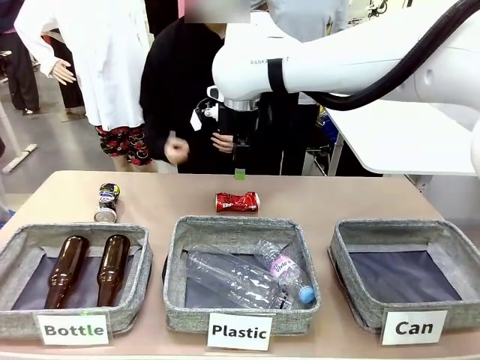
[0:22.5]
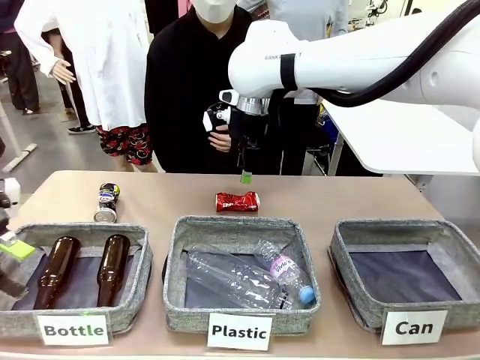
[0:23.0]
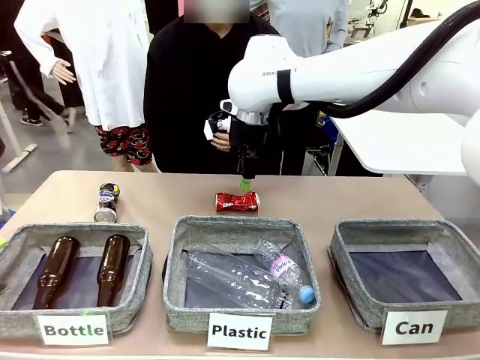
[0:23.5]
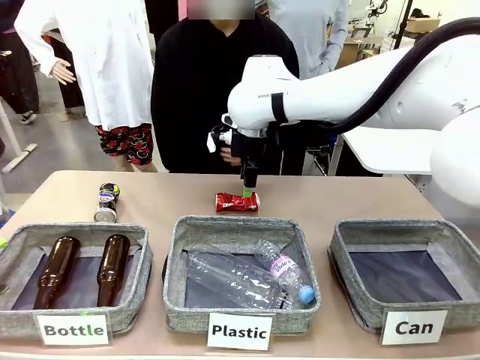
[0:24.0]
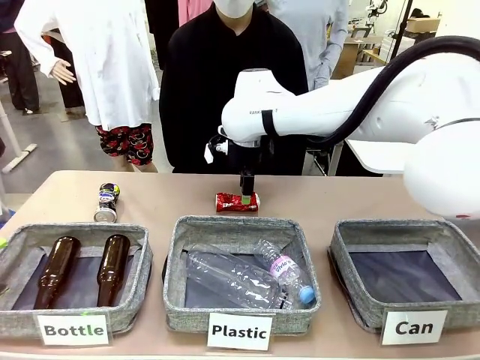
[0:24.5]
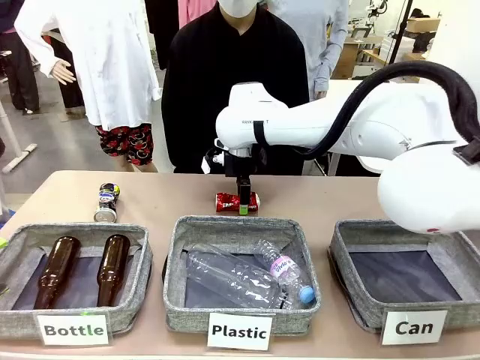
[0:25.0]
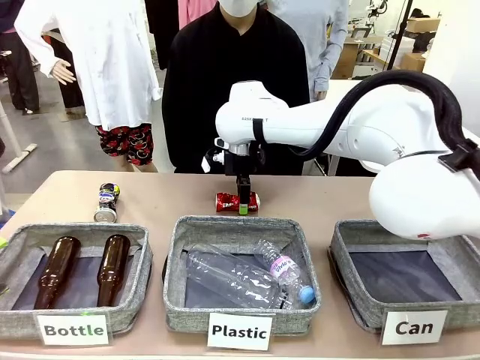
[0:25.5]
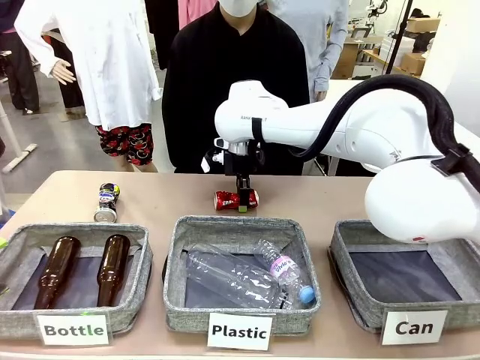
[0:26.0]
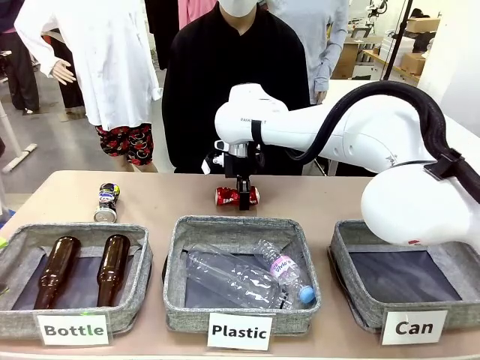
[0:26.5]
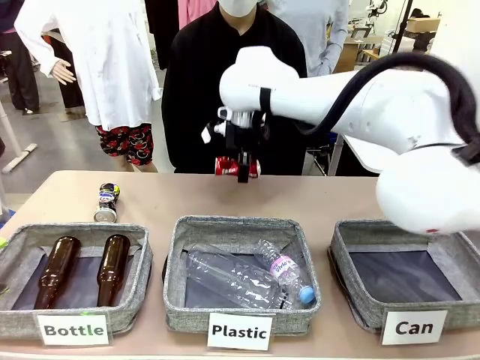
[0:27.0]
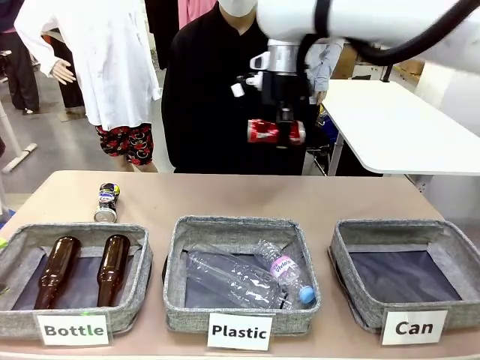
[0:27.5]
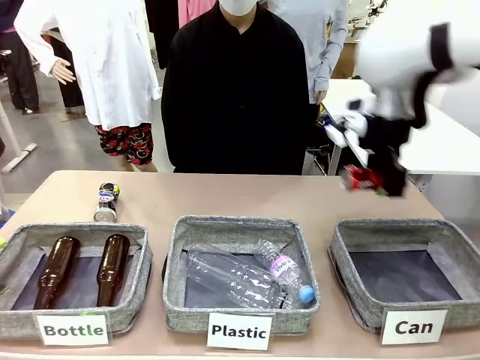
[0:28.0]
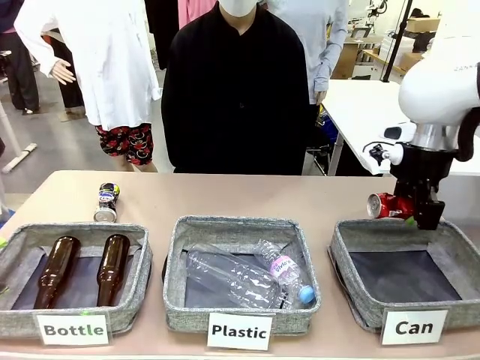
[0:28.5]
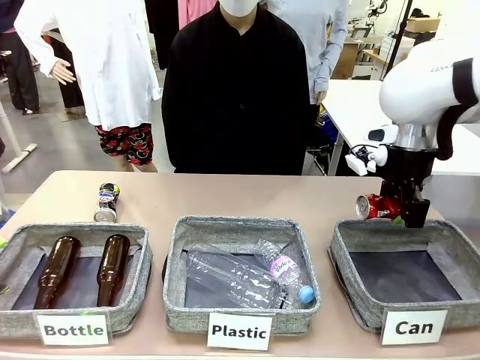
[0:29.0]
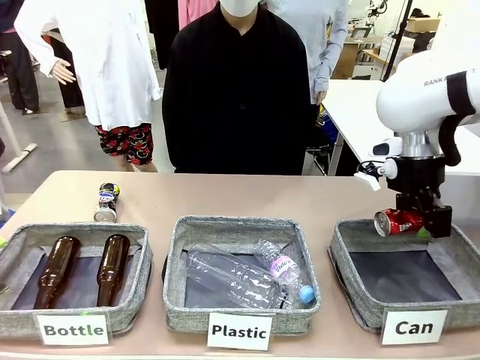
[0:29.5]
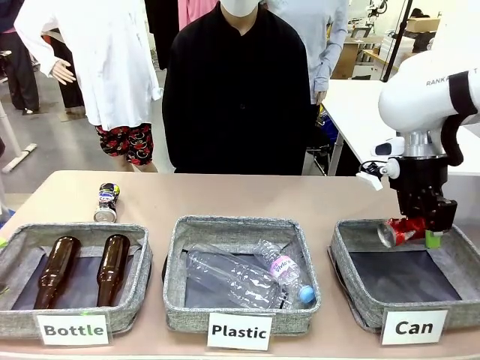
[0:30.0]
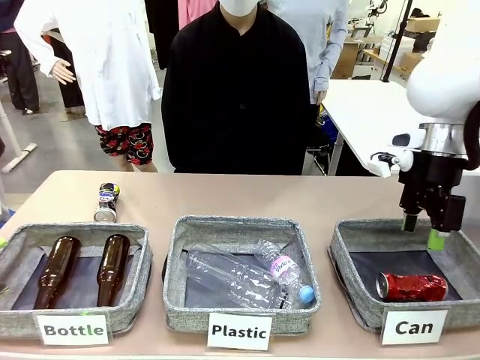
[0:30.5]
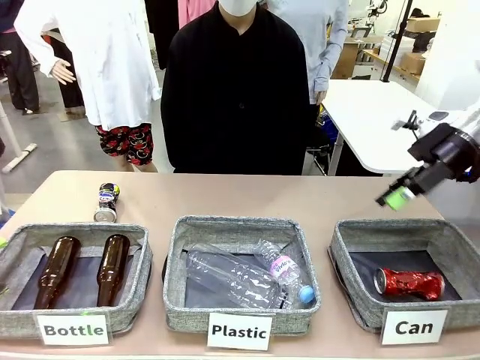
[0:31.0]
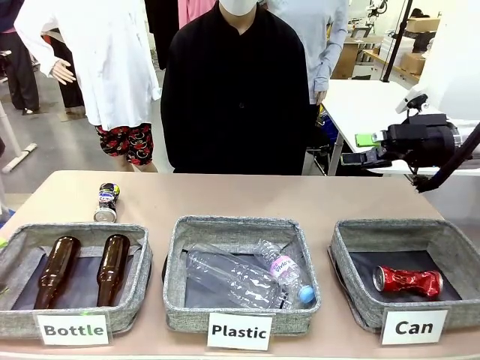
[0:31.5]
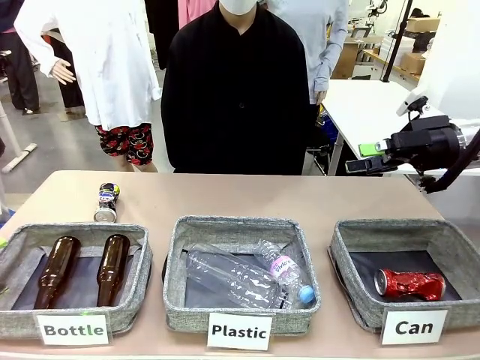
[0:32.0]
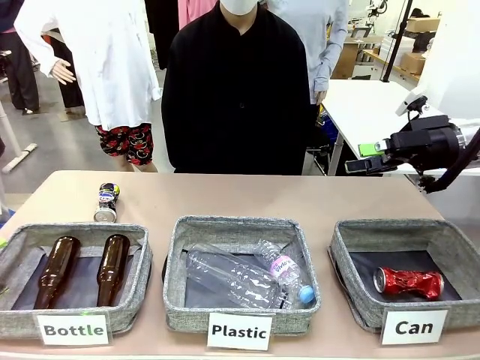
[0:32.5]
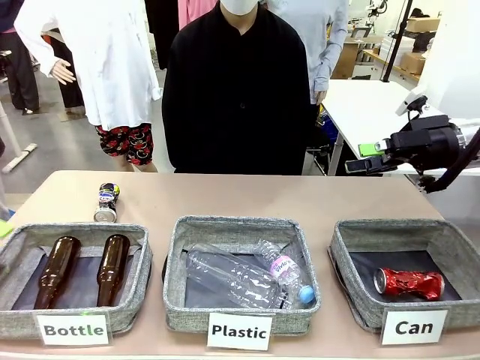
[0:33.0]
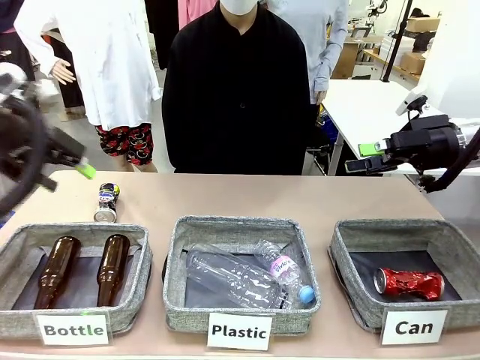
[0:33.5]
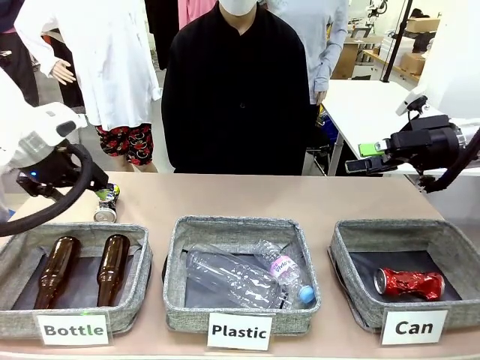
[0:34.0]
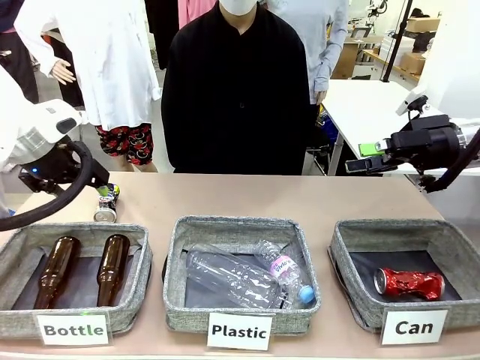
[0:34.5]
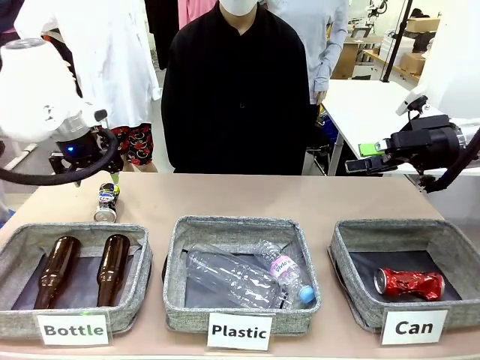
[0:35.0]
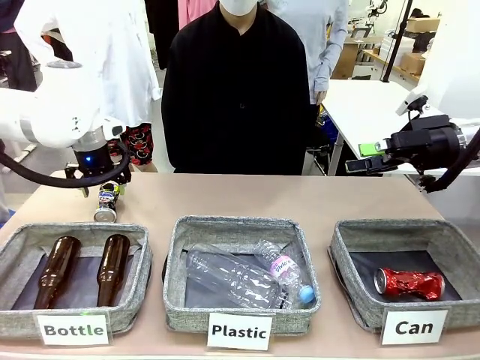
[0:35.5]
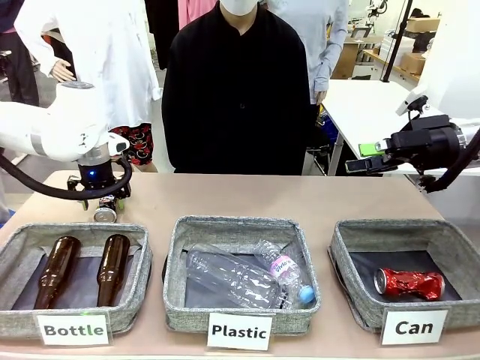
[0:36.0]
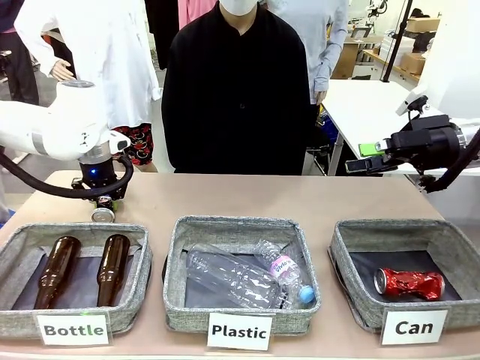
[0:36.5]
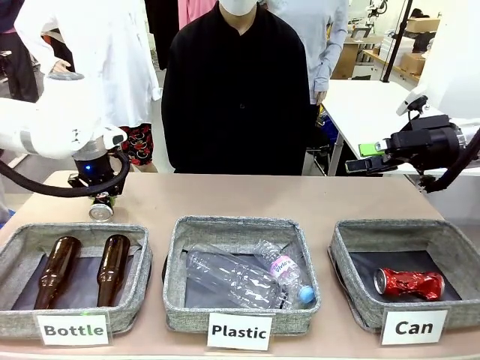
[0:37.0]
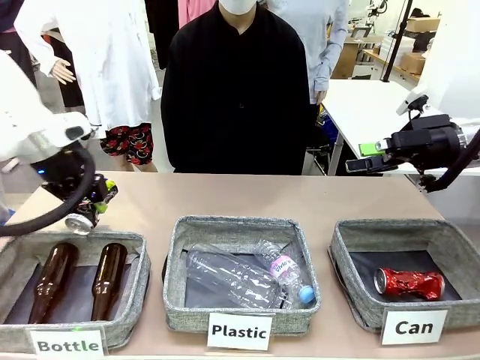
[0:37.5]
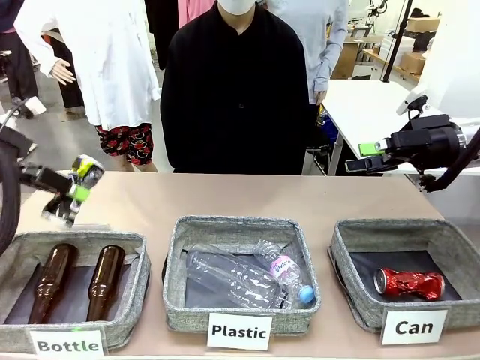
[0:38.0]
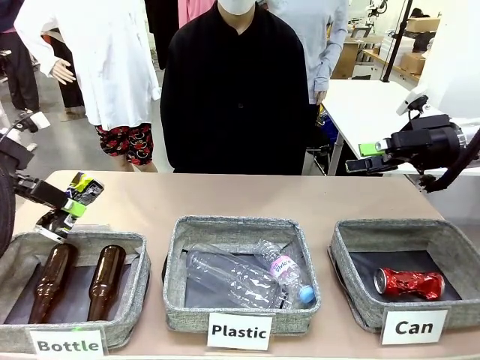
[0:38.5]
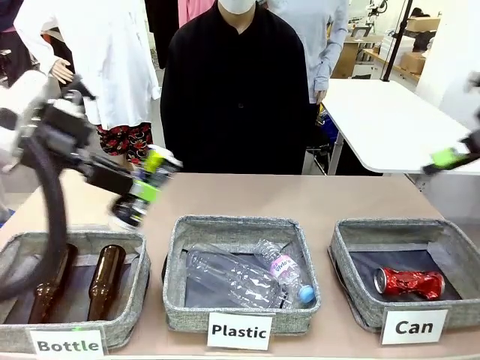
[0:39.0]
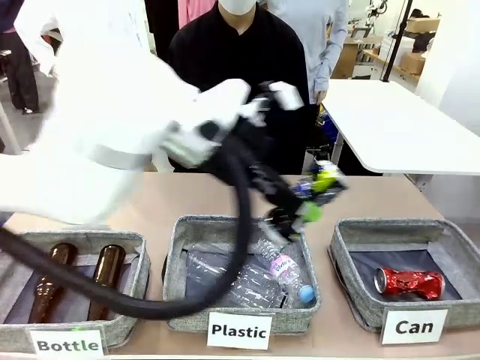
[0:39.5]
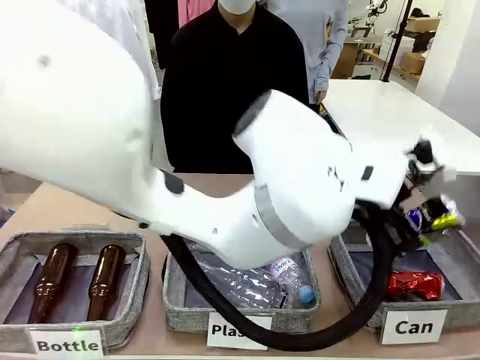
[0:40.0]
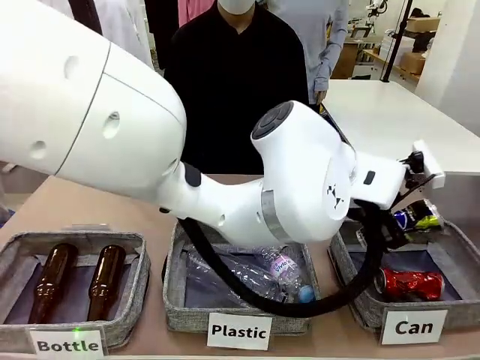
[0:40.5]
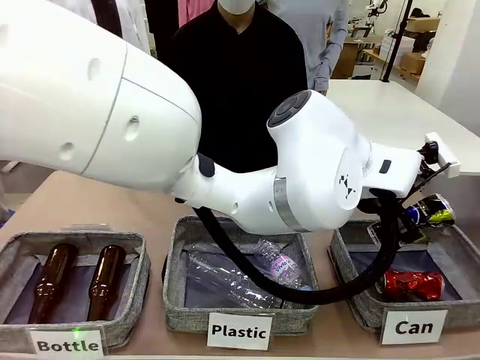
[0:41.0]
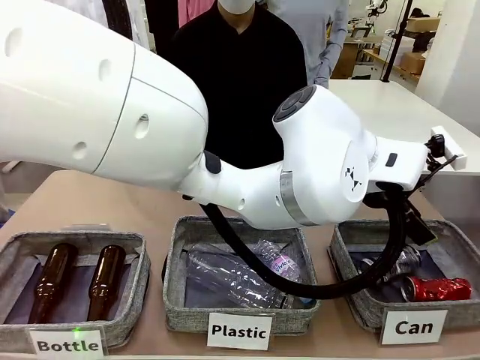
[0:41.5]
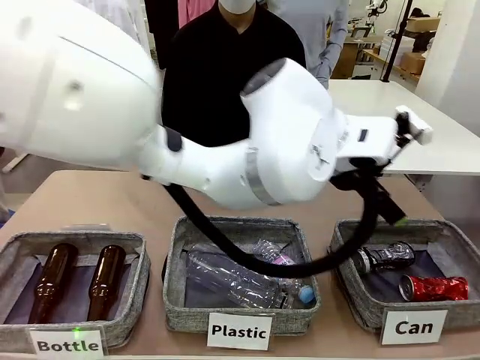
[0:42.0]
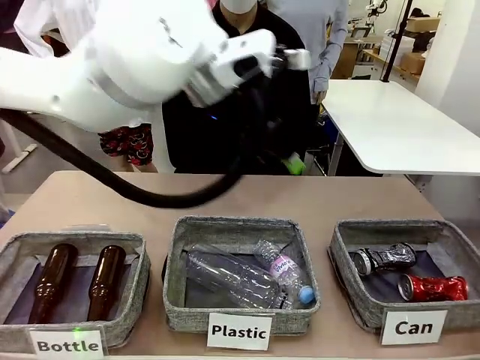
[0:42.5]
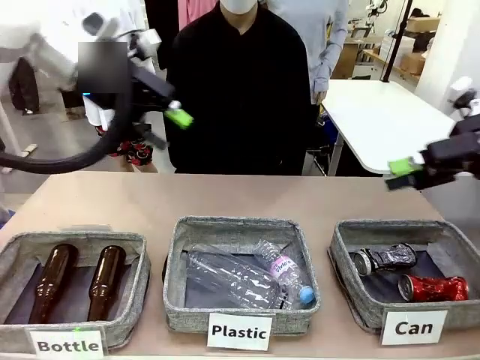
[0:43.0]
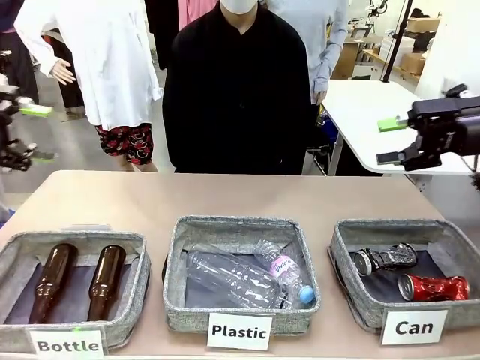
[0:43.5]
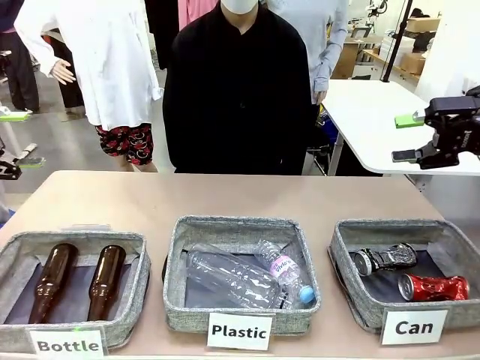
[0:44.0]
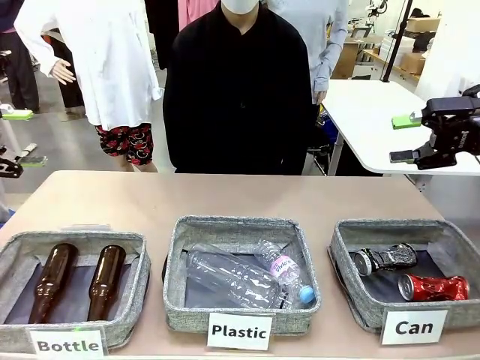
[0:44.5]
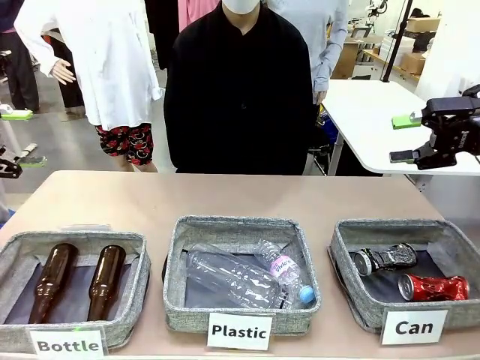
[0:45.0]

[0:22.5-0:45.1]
Task: Sort the can waste into the basket.
Robot: Pick up the can waste from the table and place it in the right Fabric basket.
Person: The human picks up one piece of trash that is not a can and places the trash into the appropriate organizing basket.

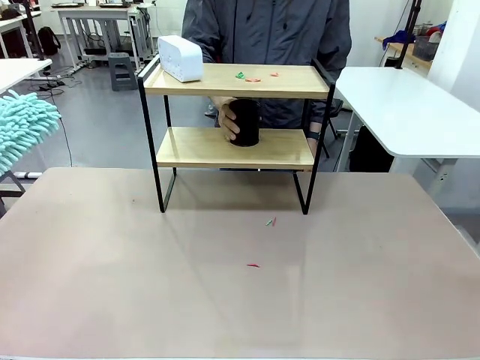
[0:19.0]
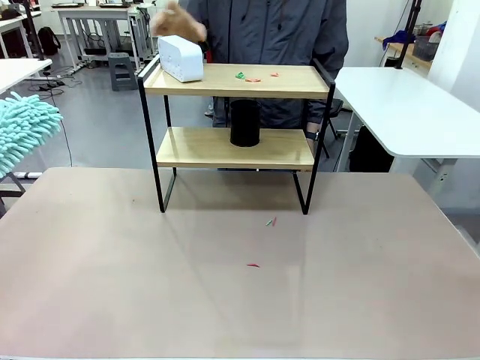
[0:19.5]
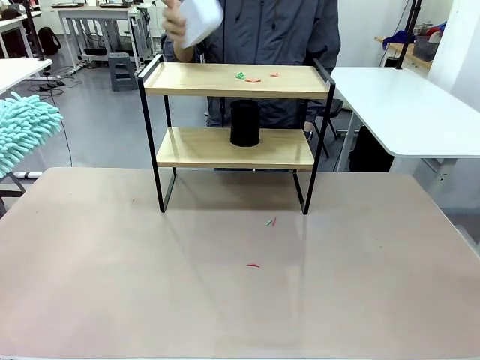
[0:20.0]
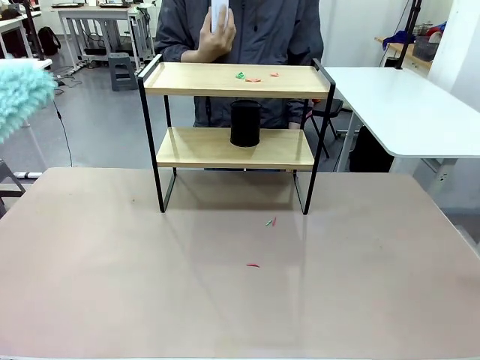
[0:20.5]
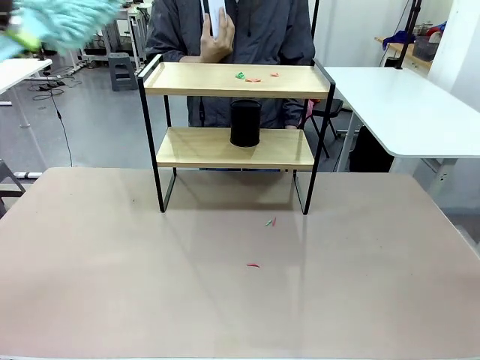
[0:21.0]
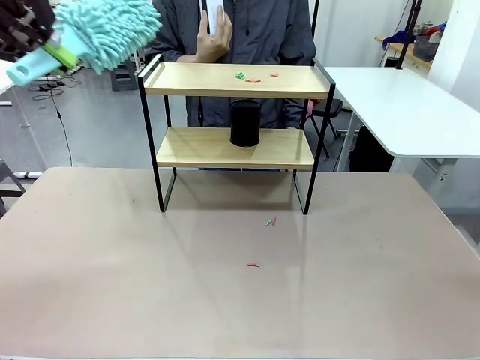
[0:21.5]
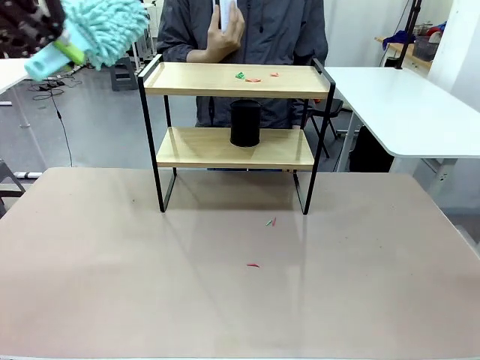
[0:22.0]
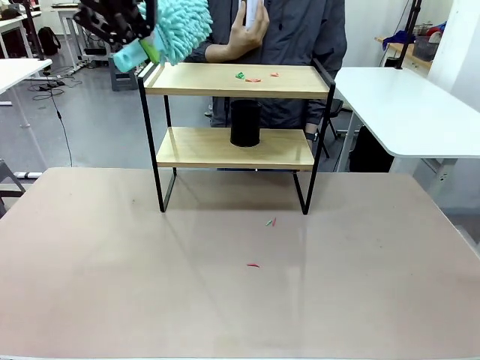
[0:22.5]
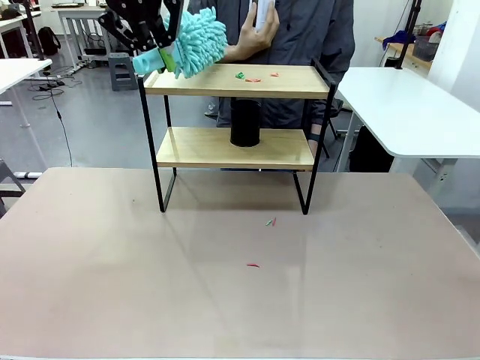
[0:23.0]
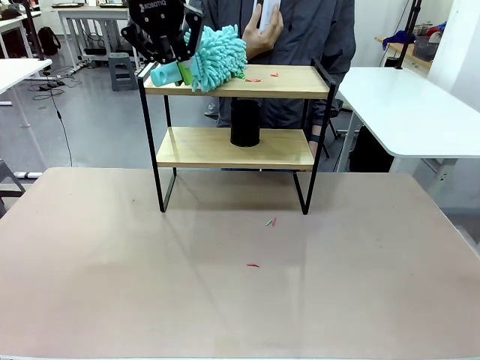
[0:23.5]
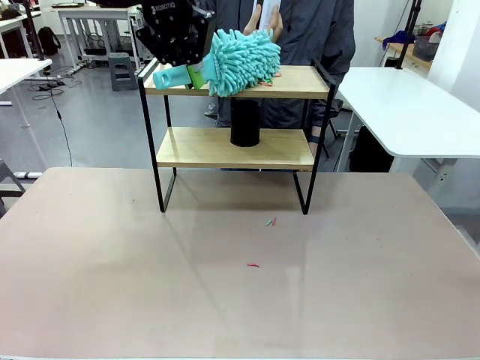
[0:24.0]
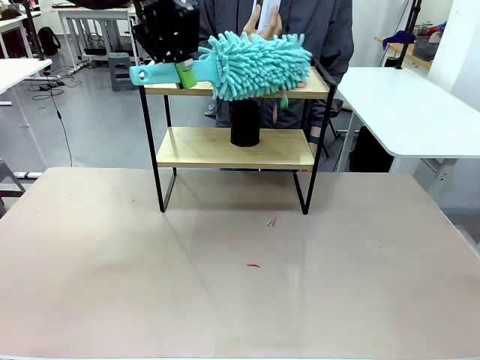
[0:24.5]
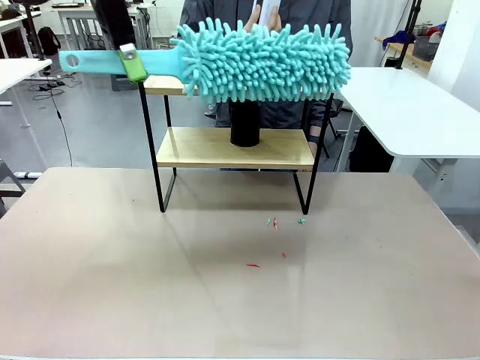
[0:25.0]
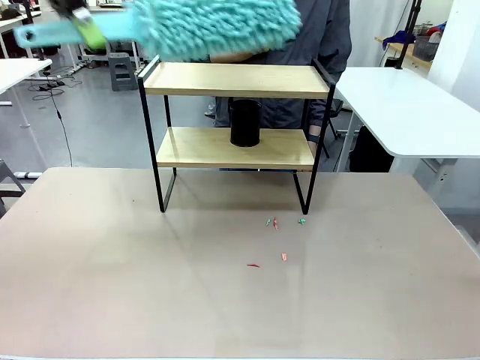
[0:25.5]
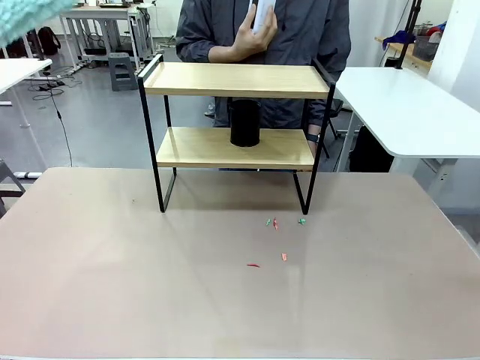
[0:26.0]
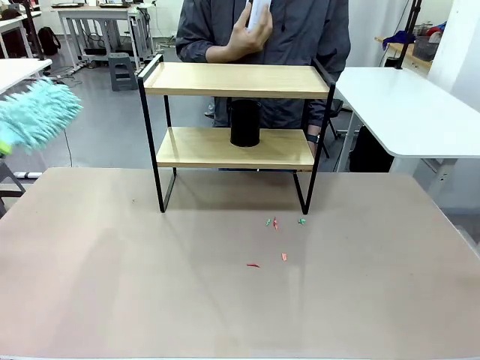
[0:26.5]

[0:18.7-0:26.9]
Task: Clean the shelf.
Robot: Clean the remaining tier of the Shelf with the Duster once objects are removed.
